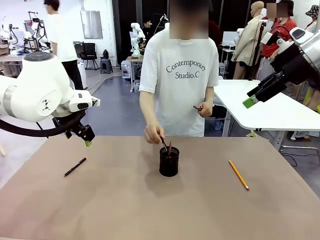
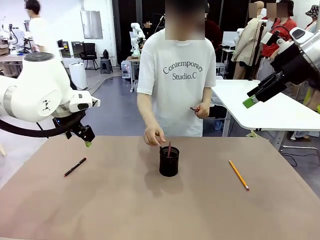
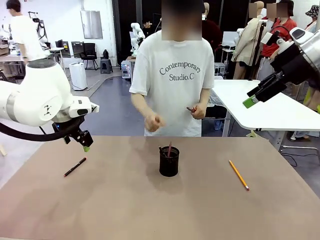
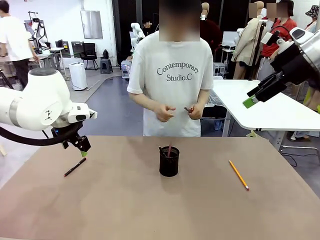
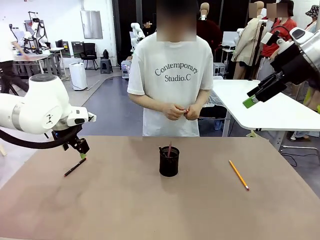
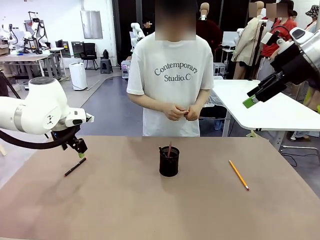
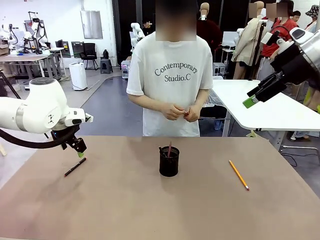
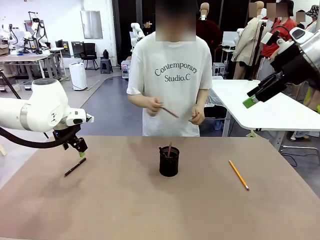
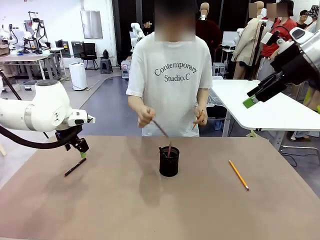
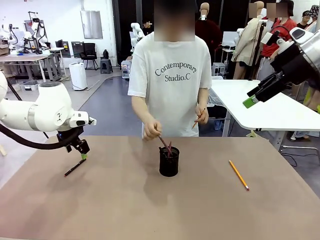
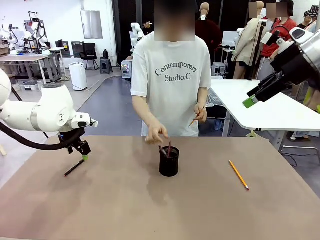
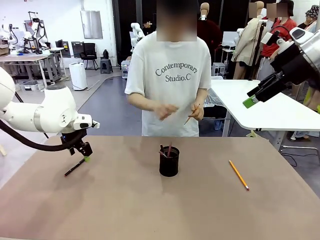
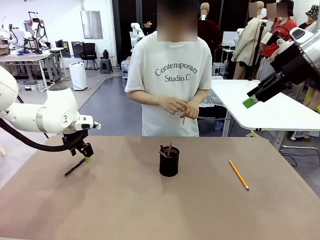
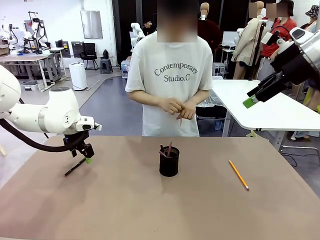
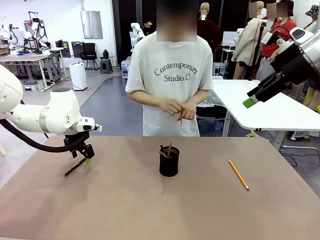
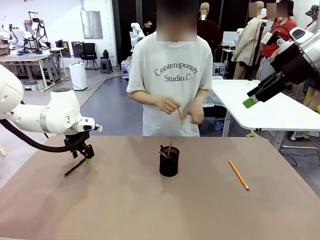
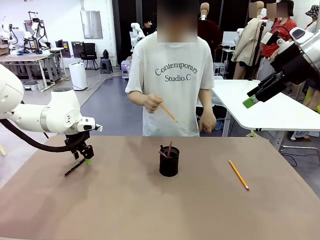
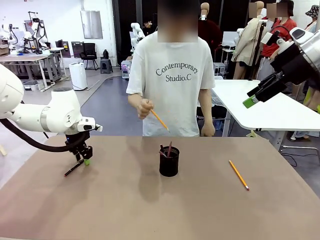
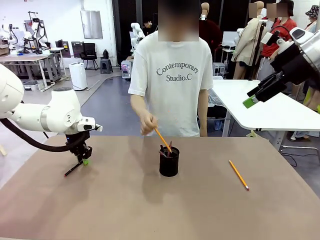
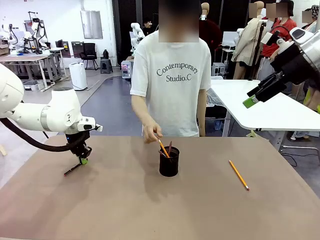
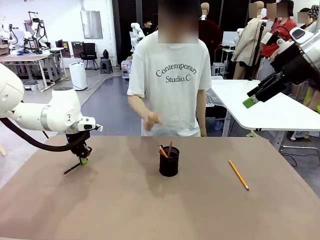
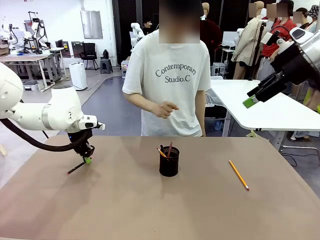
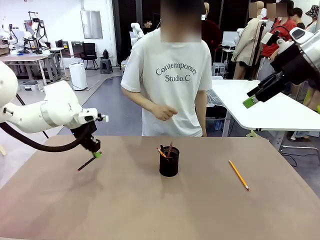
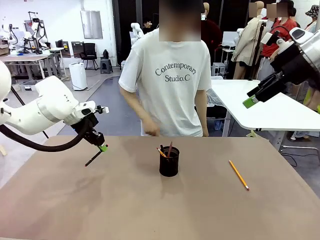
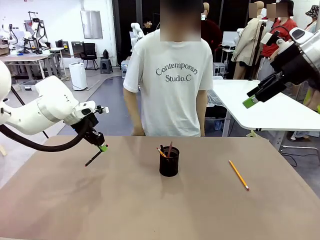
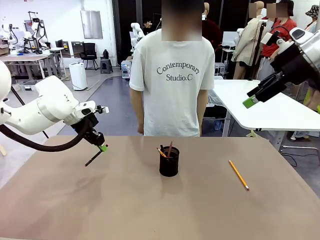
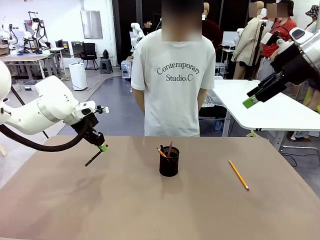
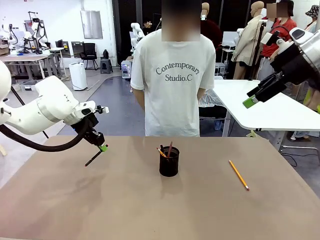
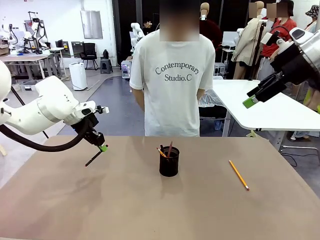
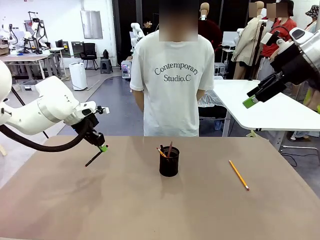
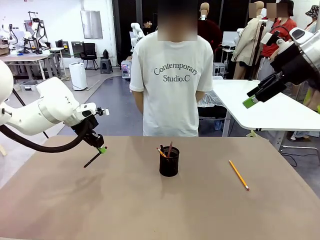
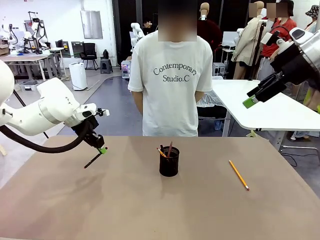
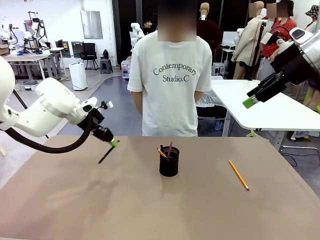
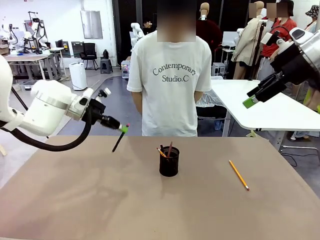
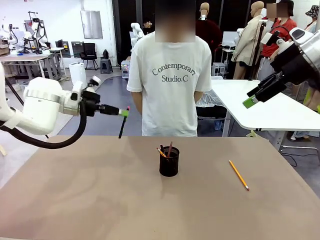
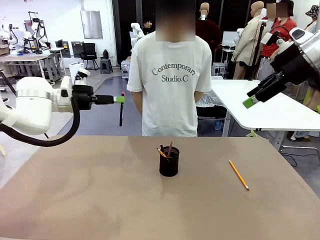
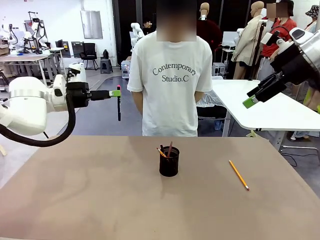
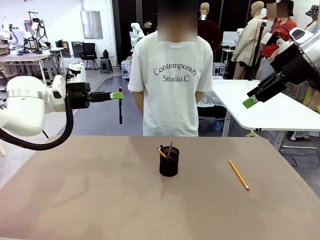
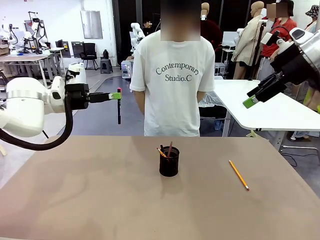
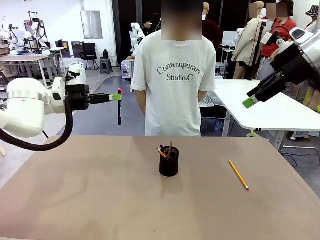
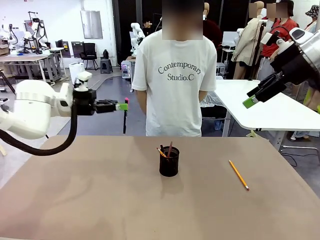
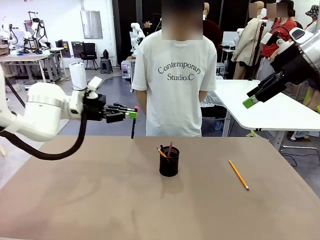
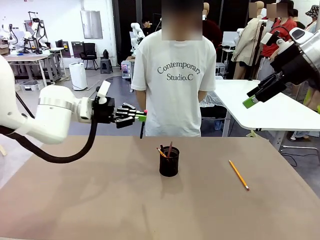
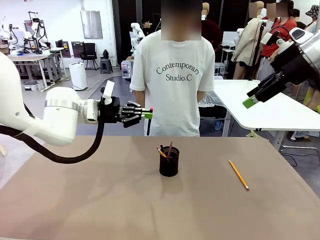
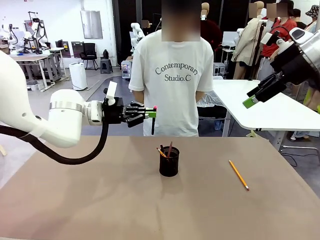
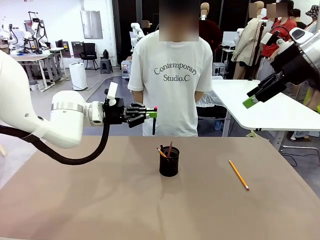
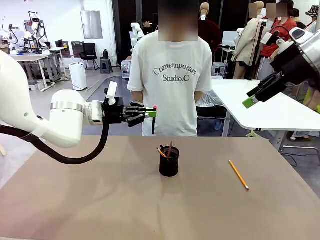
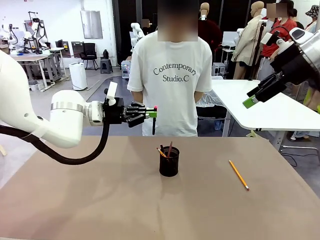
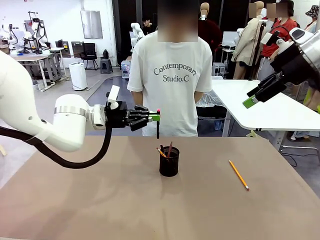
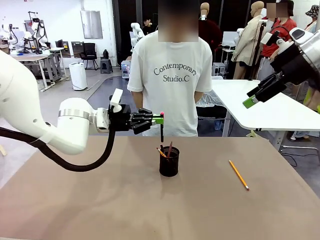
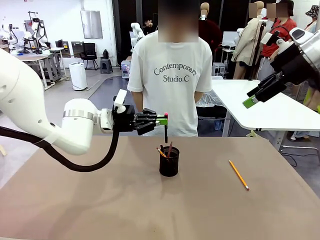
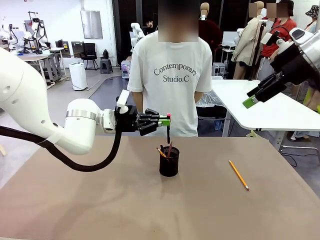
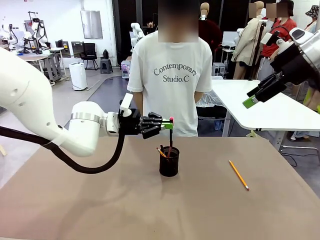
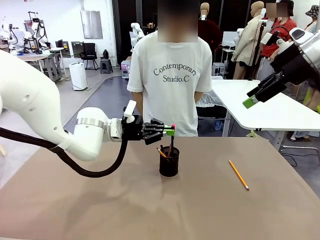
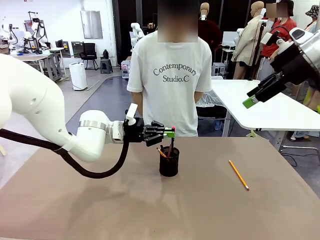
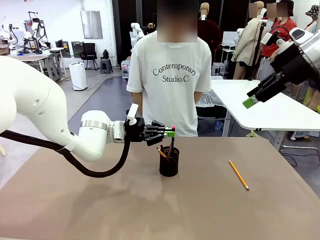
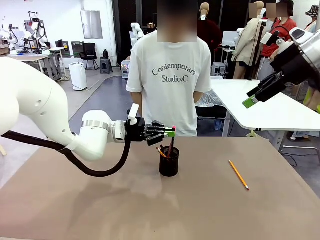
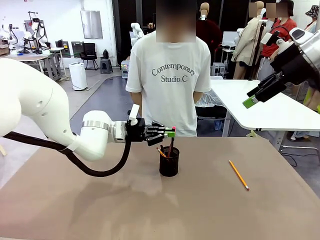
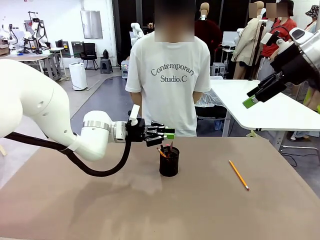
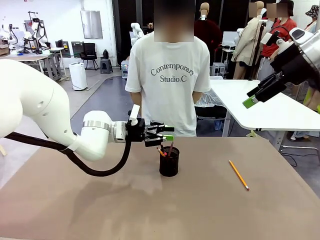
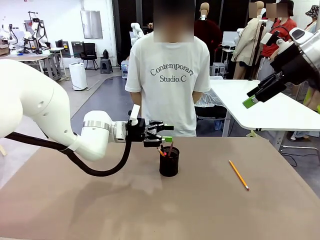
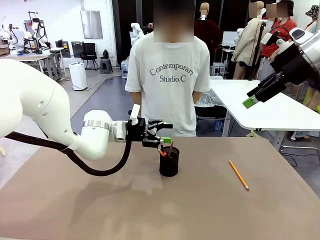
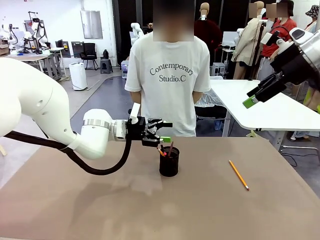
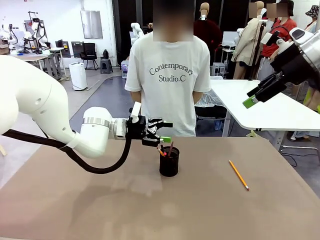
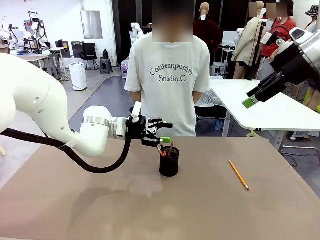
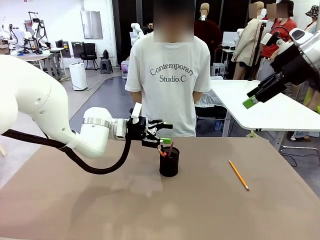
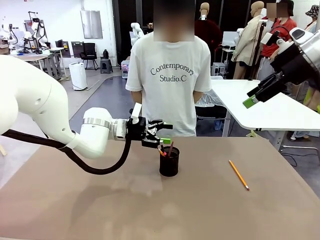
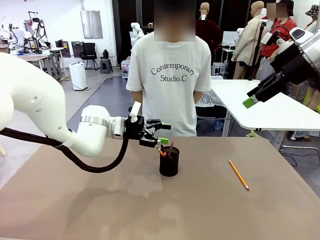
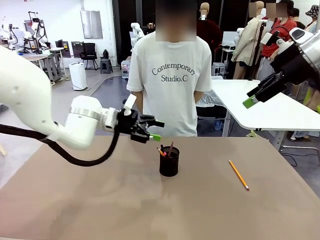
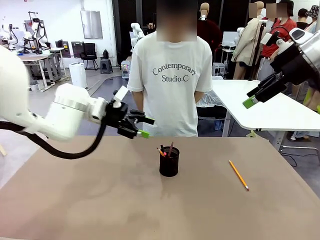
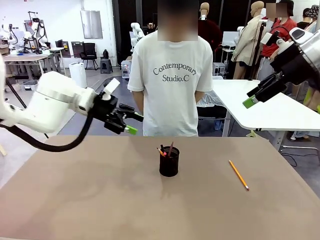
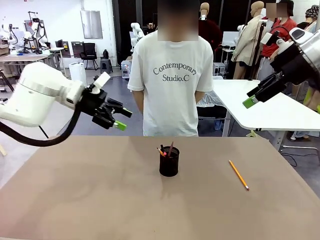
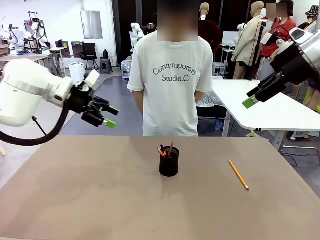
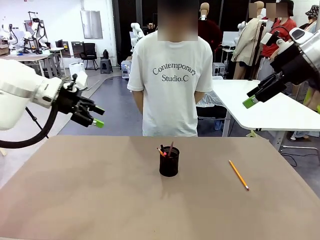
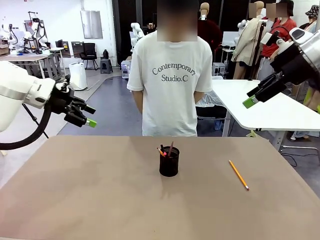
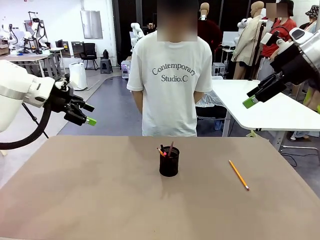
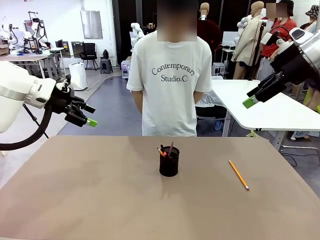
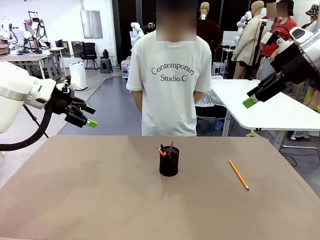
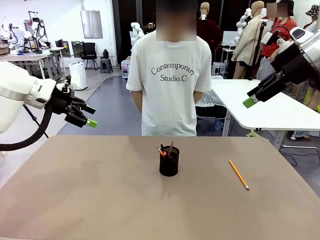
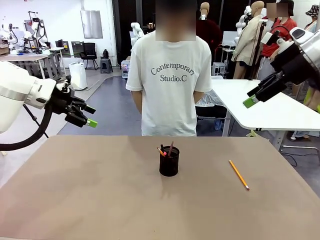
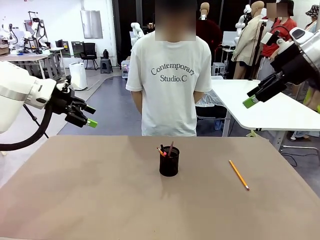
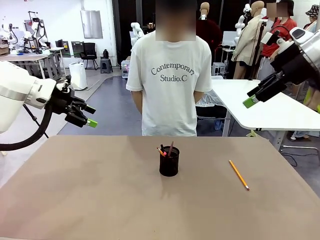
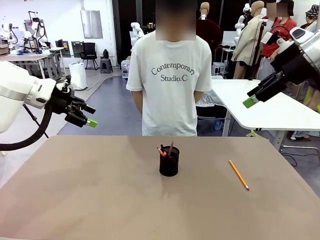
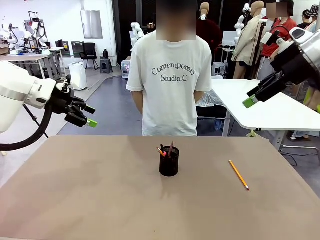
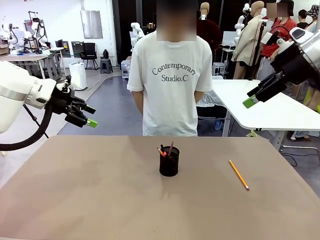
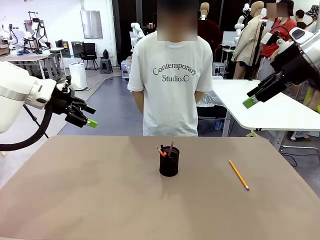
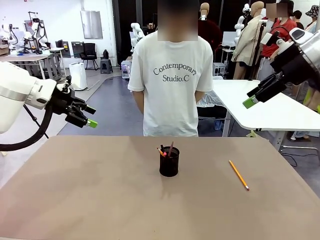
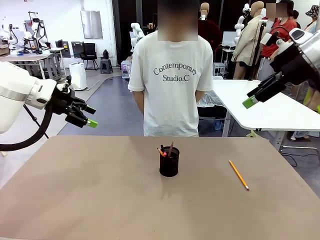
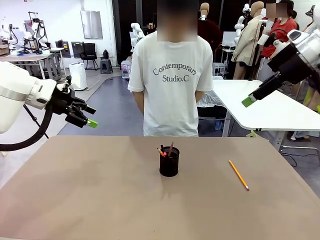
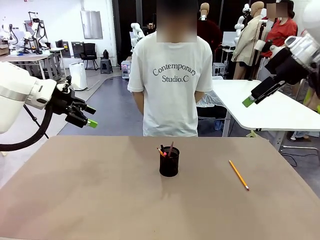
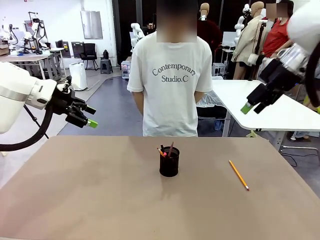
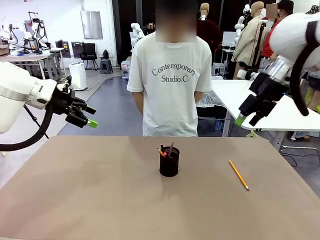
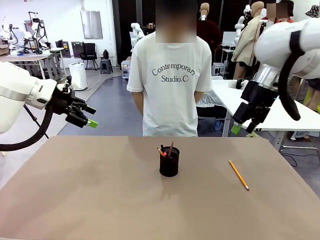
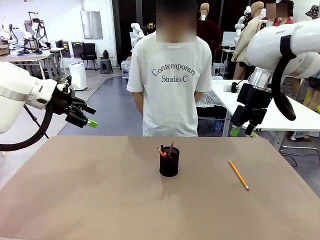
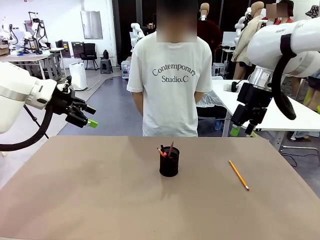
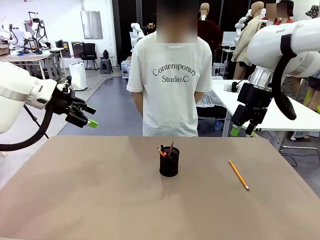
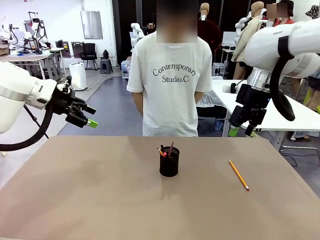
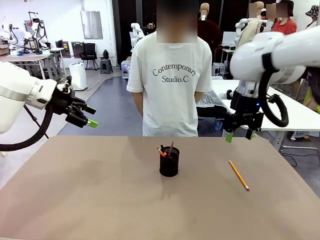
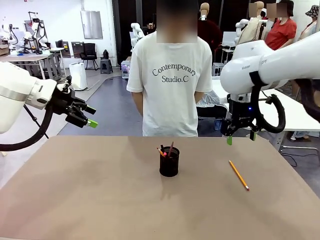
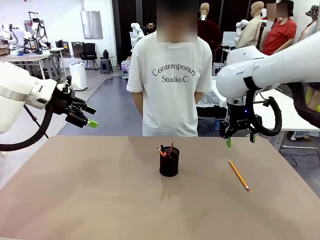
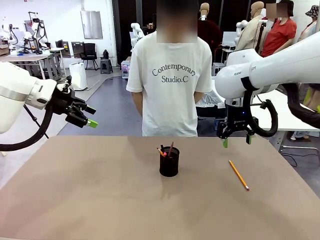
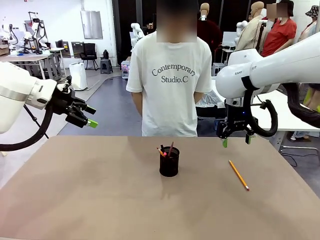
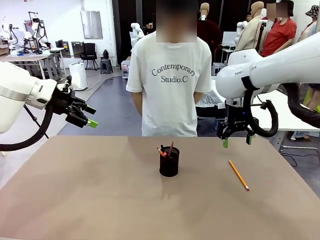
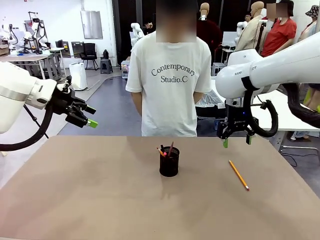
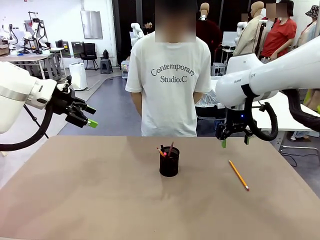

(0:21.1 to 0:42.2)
Task: Place the pens into the pen holder.
Robot: Pick up a writing instrument from the table and place it into the Pen holder.

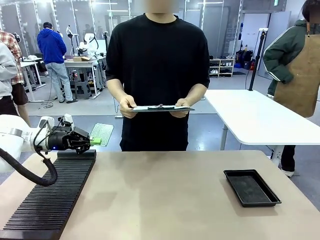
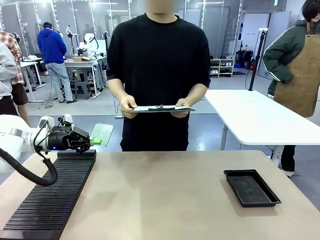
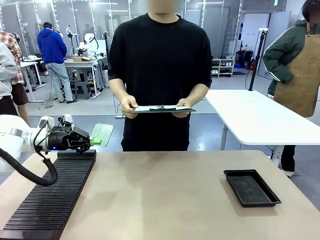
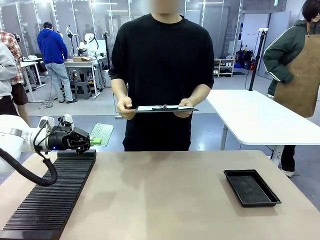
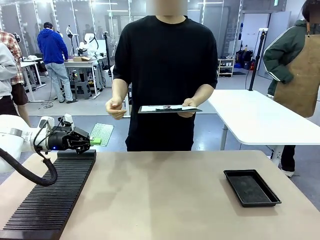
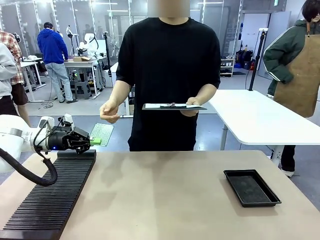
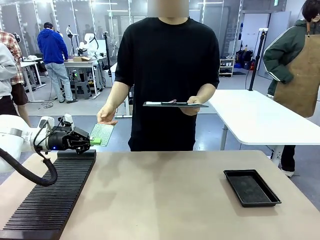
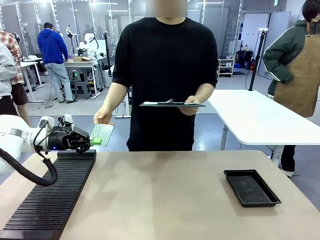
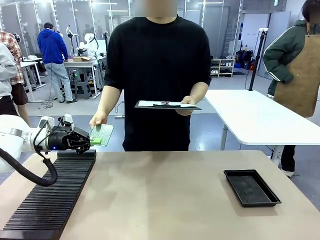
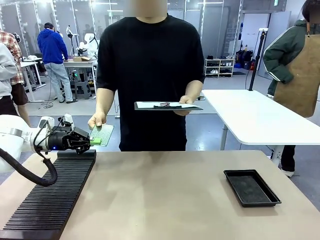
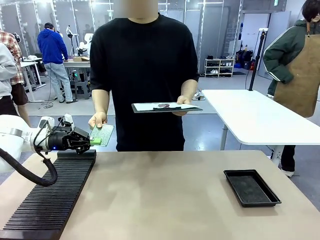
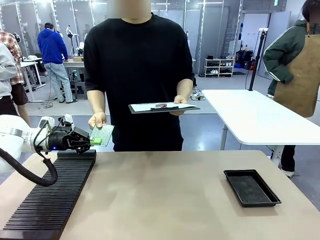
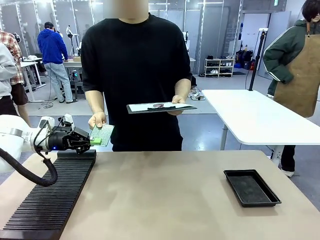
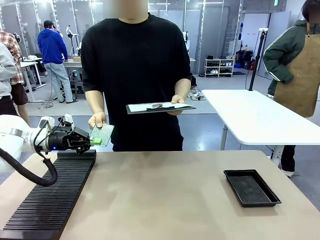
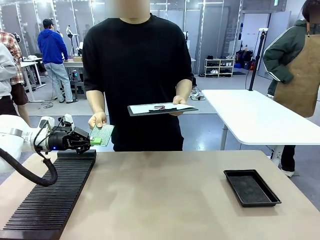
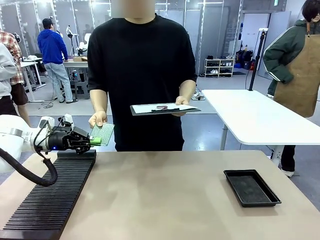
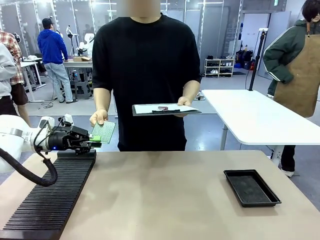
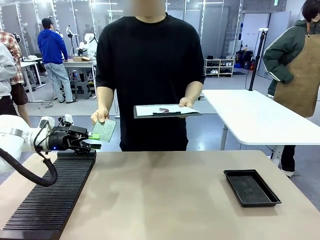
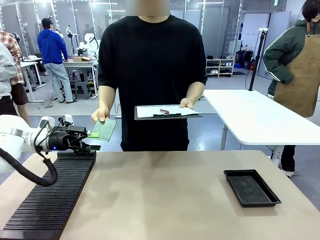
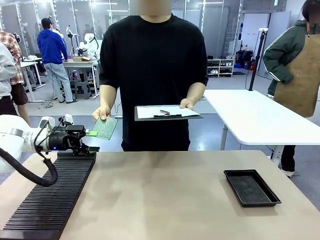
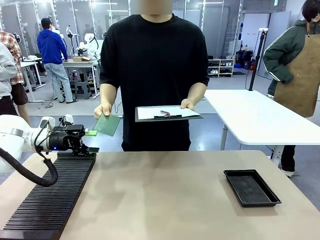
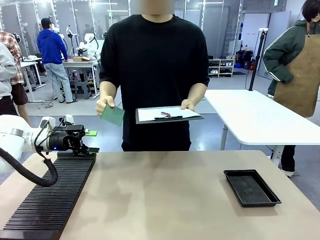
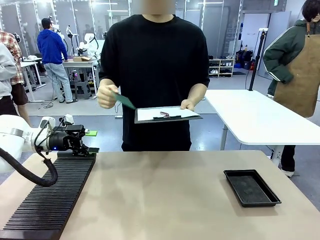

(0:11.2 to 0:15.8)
Task: Inspect the PCB.
Robot: Release the Blank PCB you were holding.
